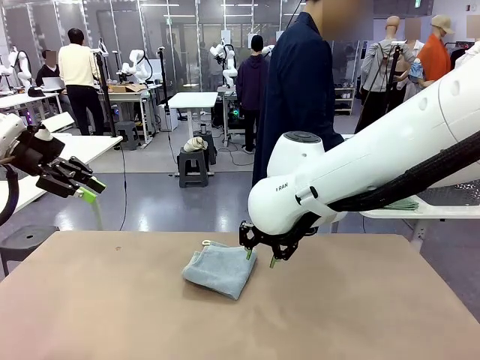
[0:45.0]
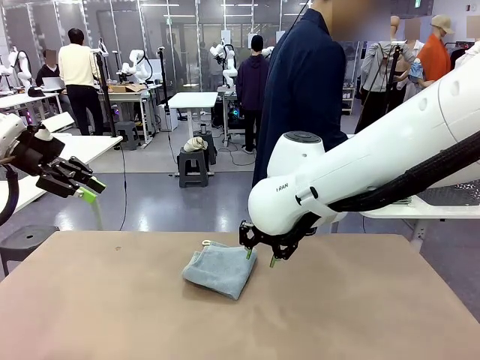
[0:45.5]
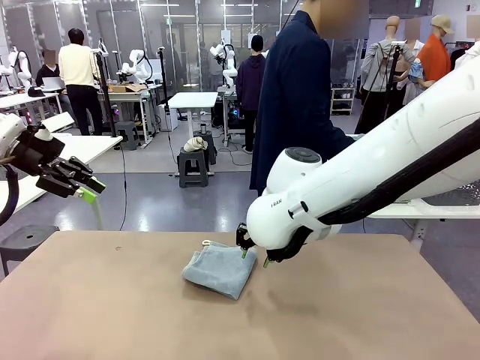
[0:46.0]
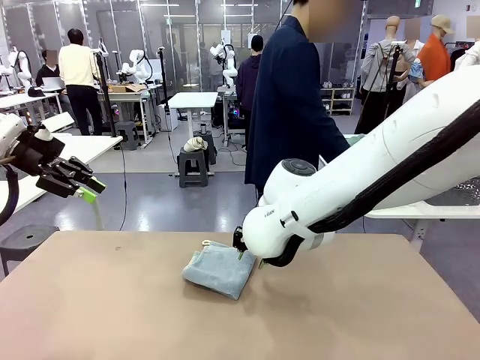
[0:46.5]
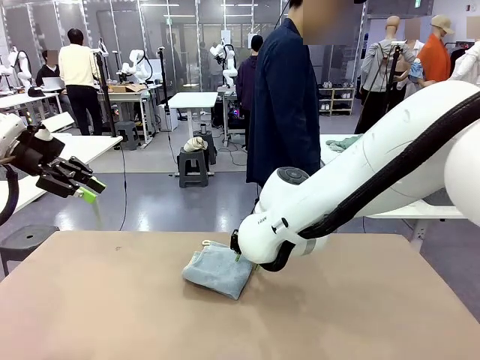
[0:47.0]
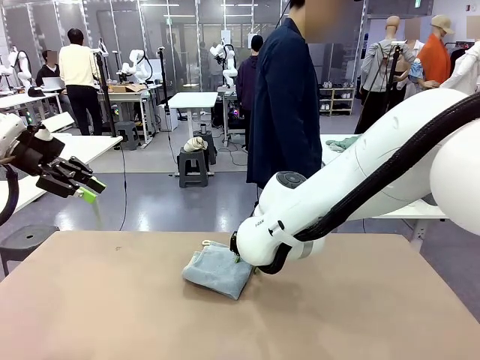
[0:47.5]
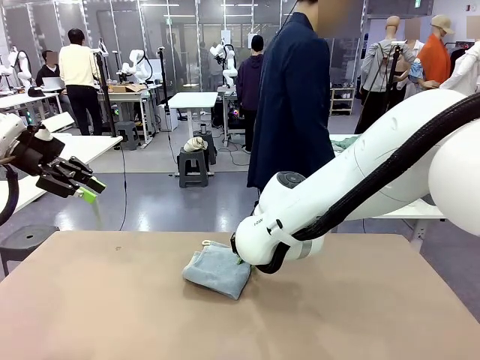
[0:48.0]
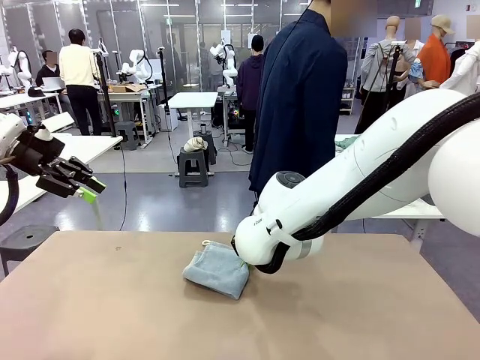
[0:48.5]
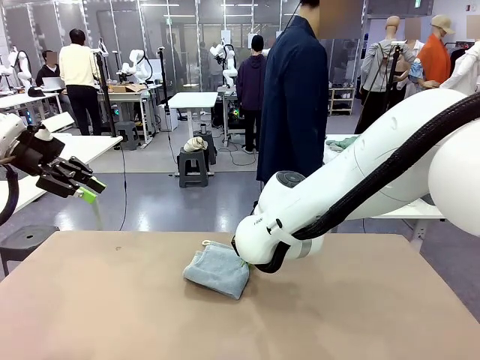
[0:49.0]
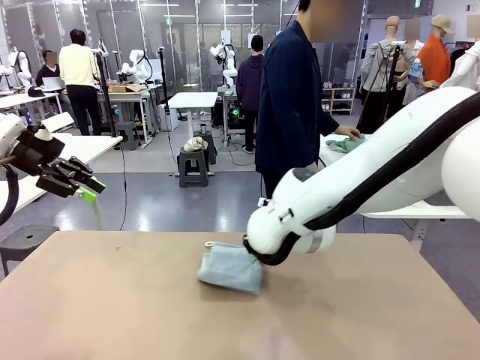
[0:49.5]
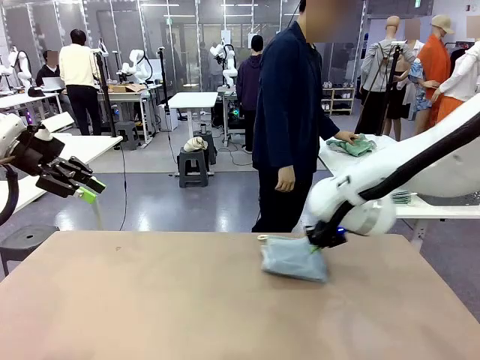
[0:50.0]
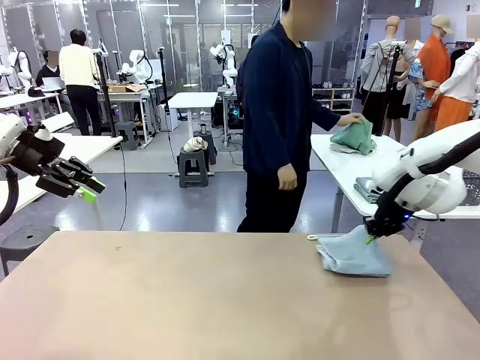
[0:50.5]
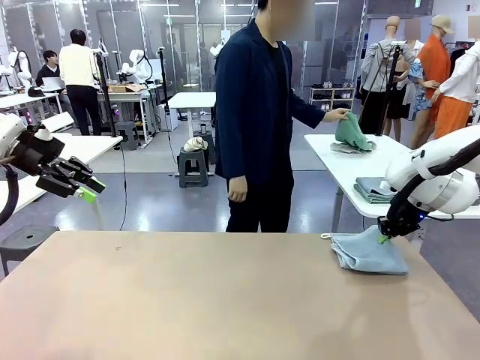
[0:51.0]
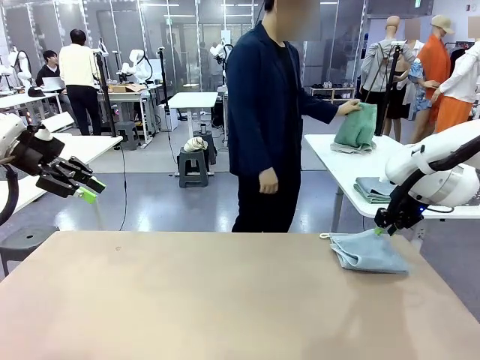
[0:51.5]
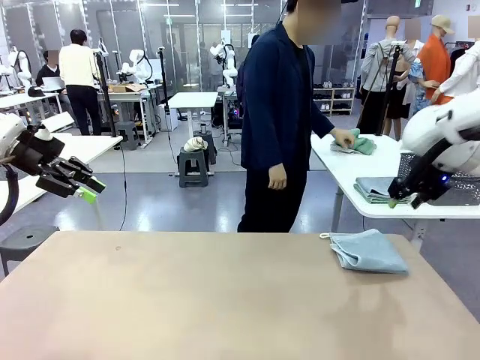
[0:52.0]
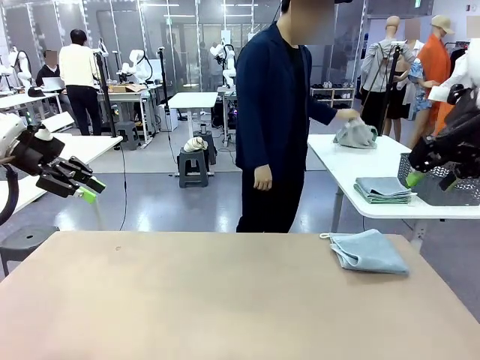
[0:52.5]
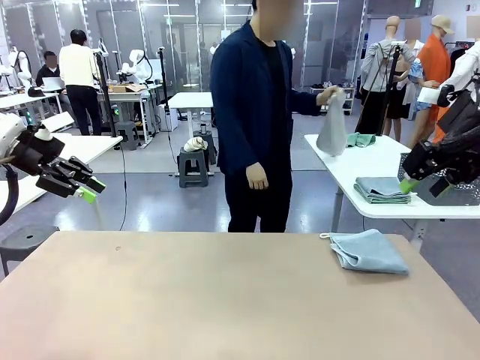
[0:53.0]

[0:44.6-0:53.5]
Task: Fold the towels and place them in the basket.
Robot: Place the folded Towel with hook on the right side of the table.
Person: Pick up one towel from the left side of the human table and spread it out at the center of the robot table.

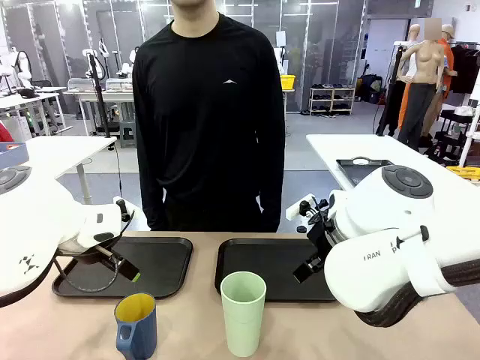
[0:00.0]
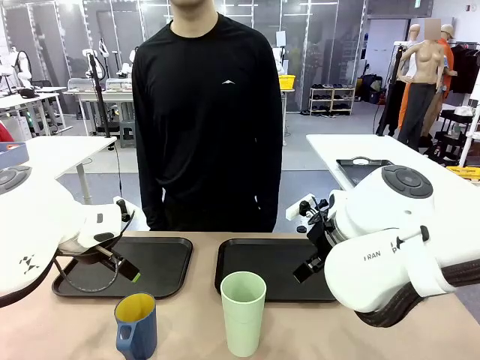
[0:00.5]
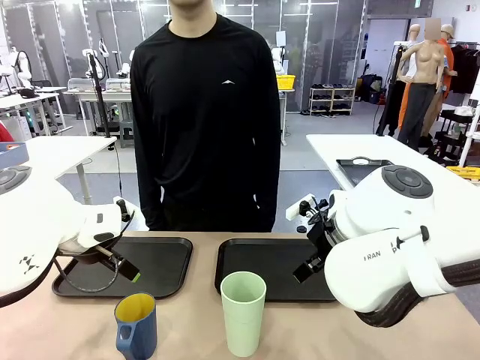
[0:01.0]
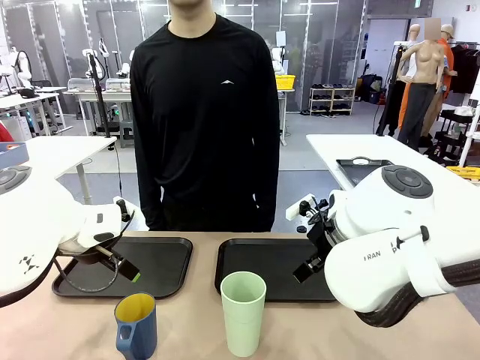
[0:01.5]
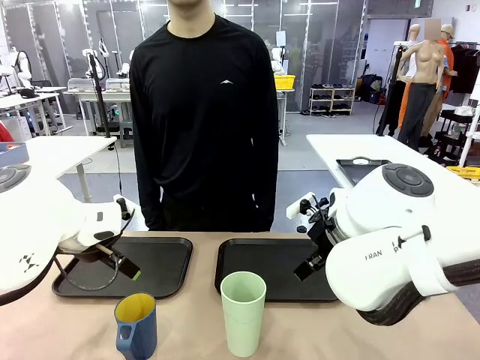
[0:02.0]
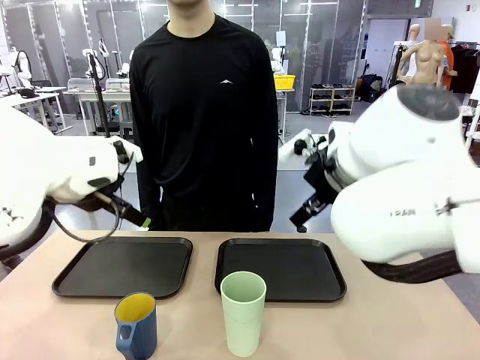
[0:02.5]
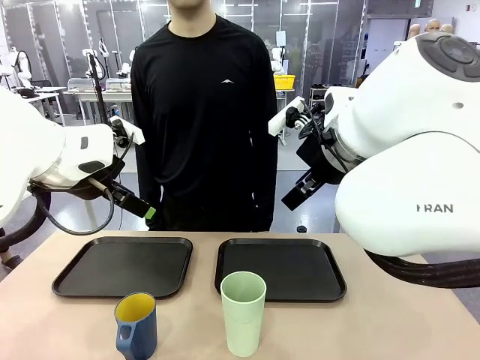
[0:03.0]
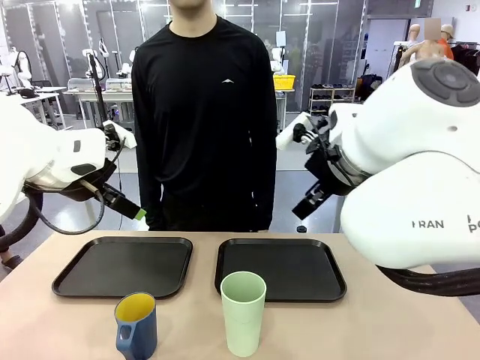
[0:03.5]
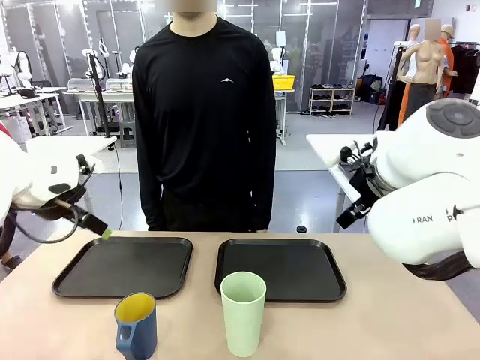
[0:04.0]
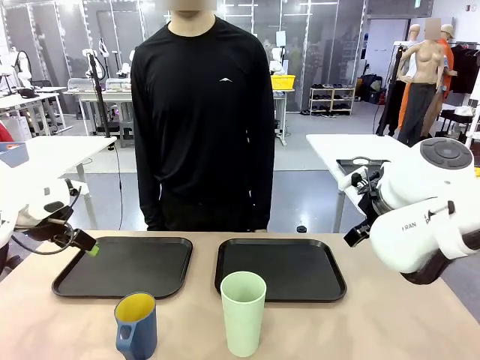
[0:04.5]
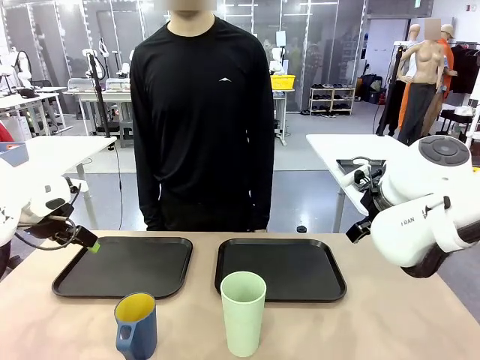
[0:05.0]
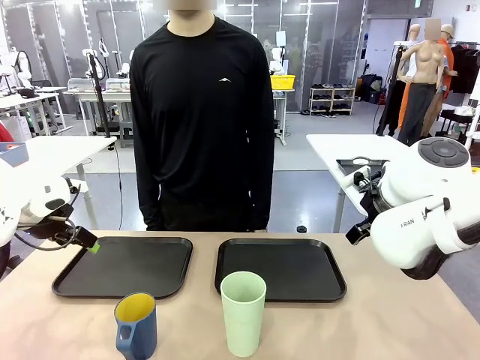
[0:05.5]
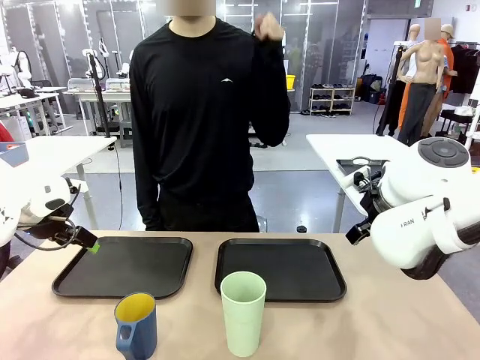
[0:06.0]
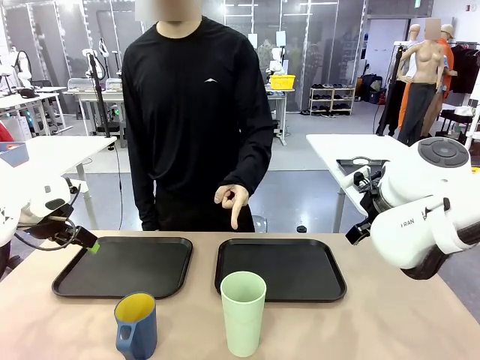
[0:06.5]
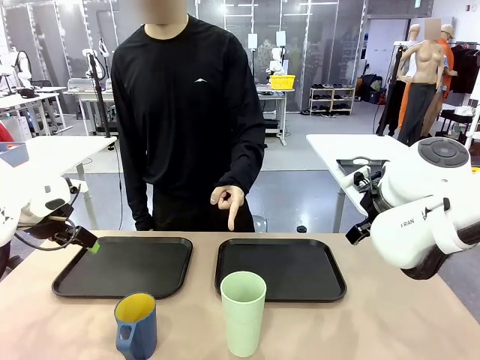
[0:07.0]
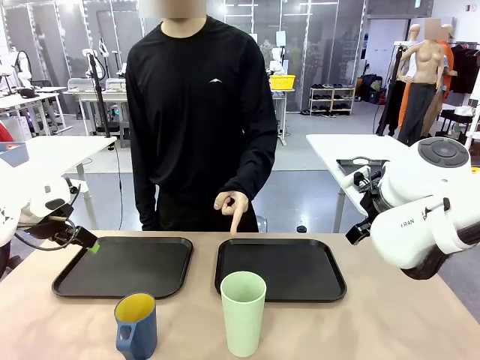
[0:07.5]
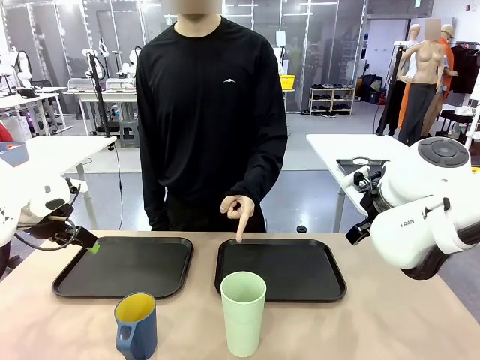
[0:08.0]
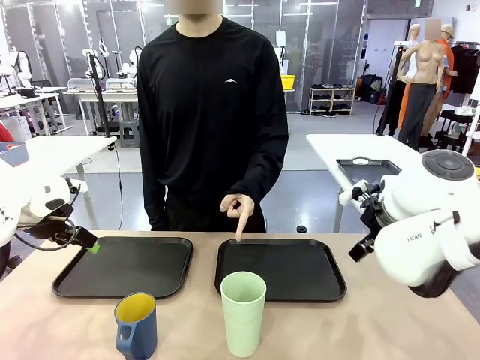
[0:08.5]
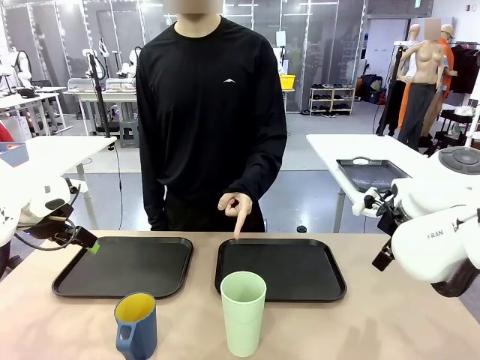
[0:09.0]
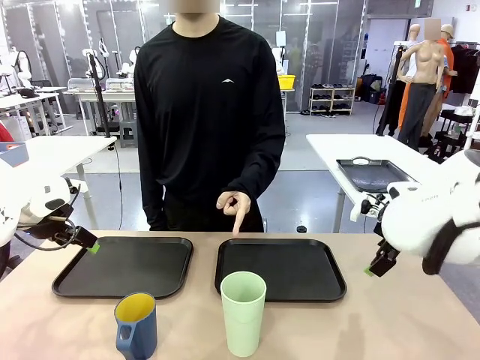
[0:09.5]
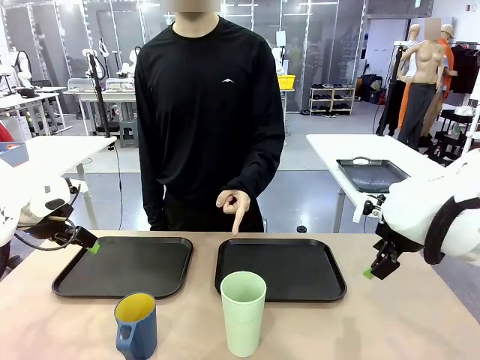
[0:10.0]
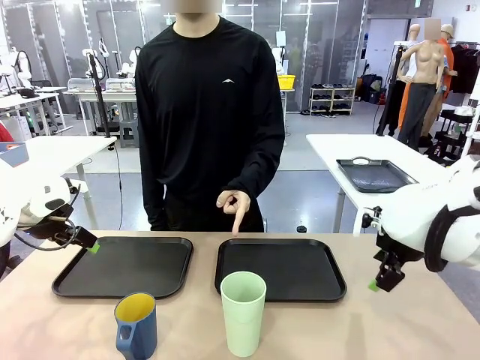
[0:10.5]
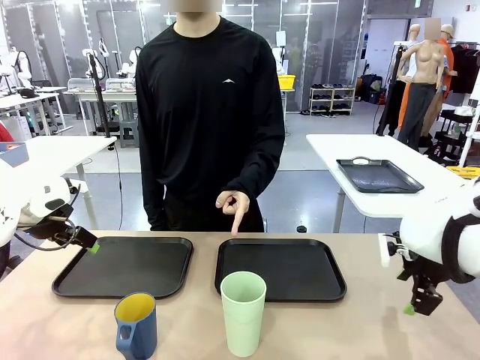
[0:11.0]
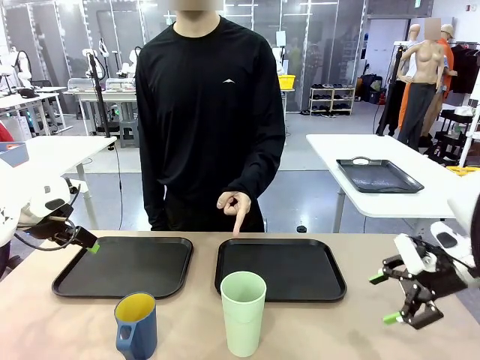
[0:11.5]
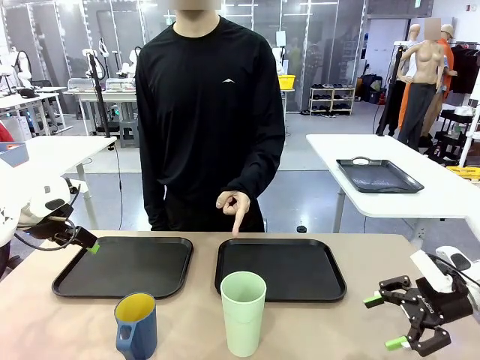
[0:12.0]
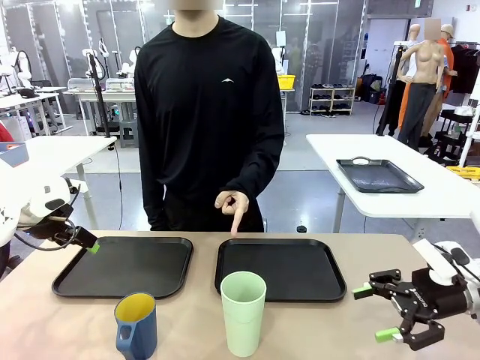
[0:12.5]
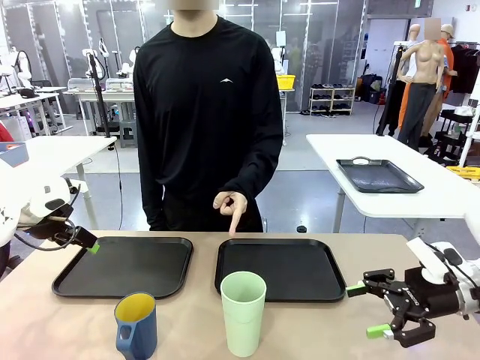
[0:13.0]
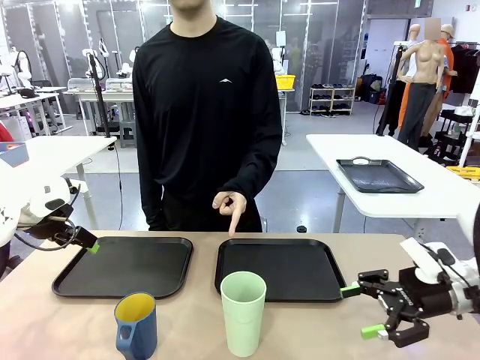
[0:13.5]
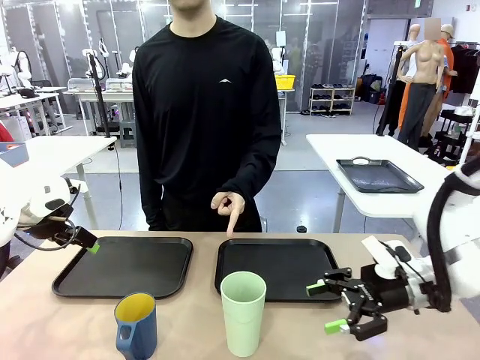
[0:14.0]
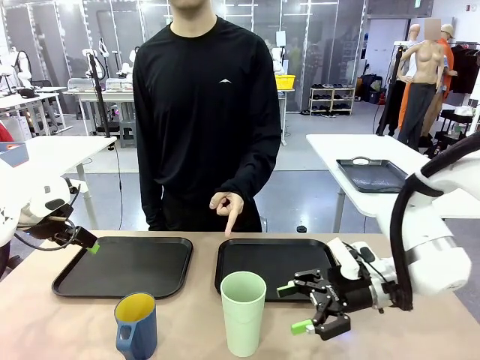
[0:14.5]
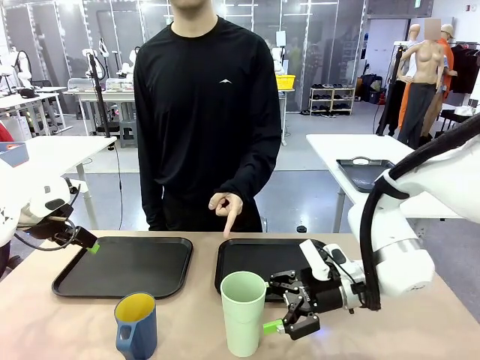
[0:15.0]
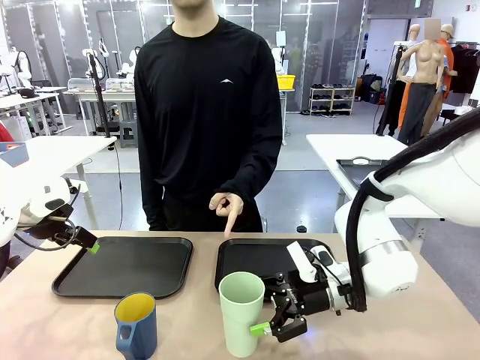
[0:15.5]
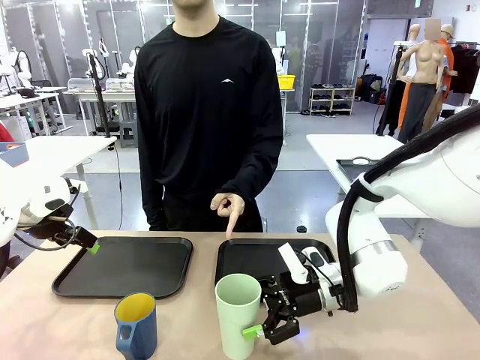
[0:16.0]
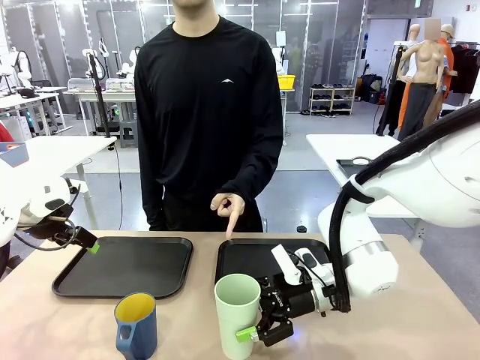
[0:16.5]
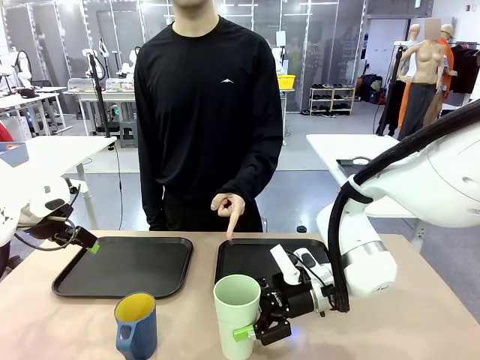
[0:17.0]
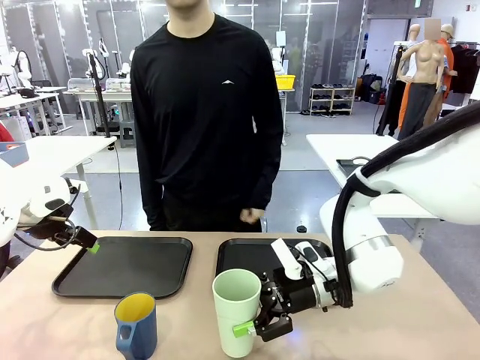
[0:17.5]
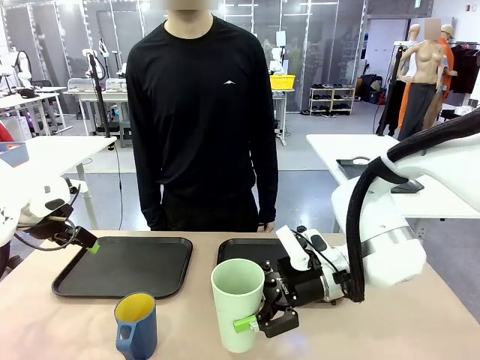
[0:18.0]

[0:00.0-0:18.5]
Task: Sort and store the cups by type.
Robot: Pick up the Reusable plastic cup.
Person: Points to the reusable cup. Point to one of the two trays.
